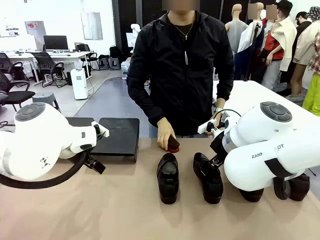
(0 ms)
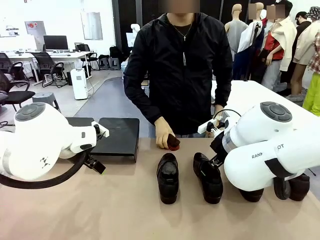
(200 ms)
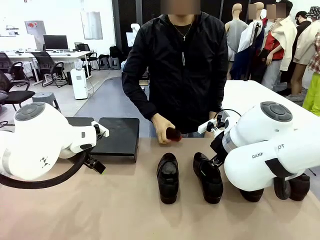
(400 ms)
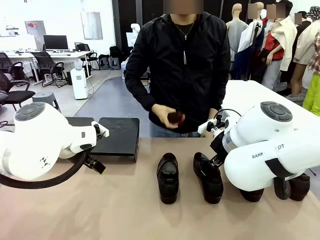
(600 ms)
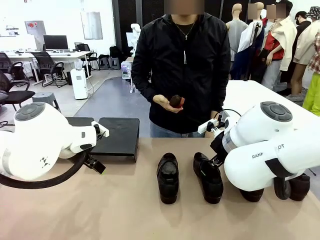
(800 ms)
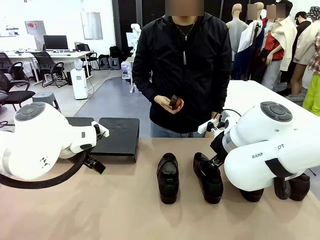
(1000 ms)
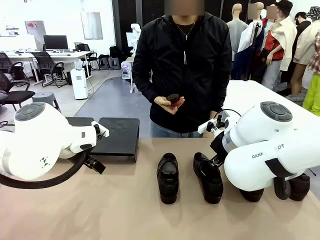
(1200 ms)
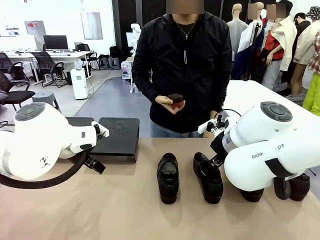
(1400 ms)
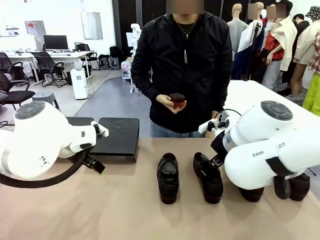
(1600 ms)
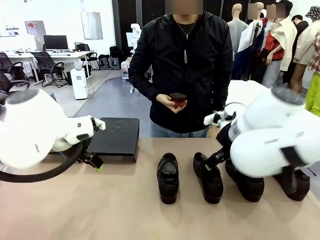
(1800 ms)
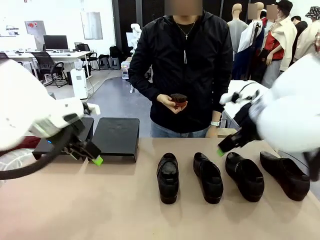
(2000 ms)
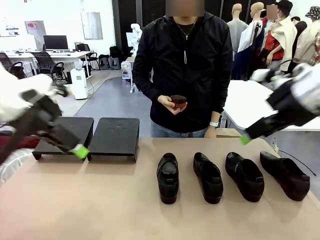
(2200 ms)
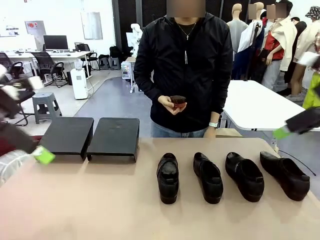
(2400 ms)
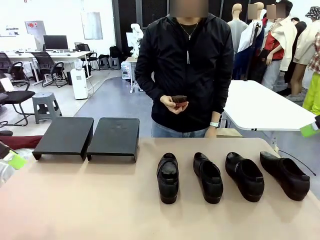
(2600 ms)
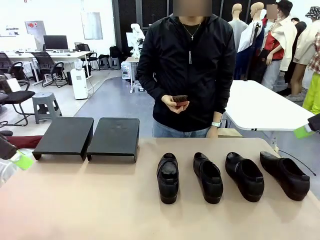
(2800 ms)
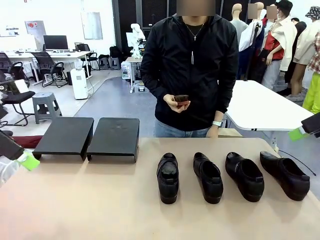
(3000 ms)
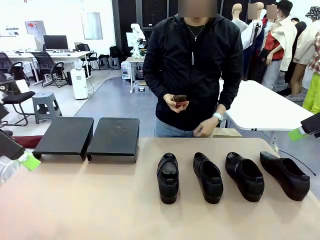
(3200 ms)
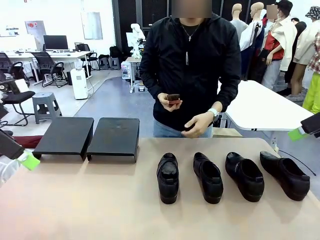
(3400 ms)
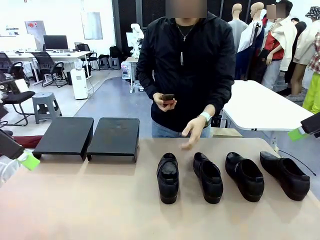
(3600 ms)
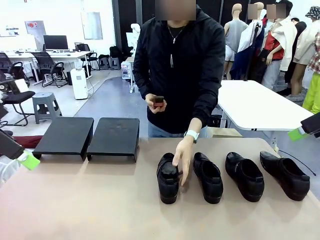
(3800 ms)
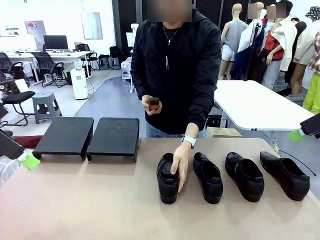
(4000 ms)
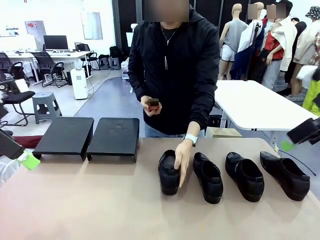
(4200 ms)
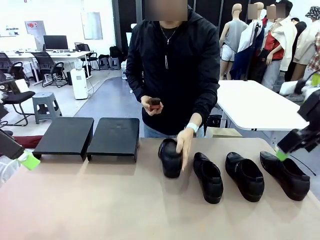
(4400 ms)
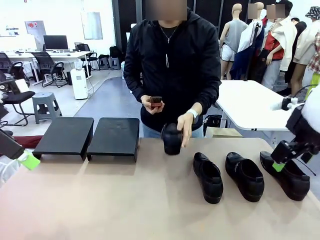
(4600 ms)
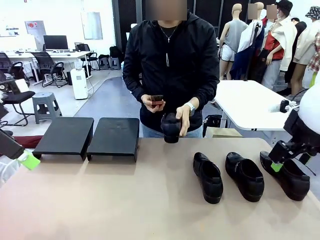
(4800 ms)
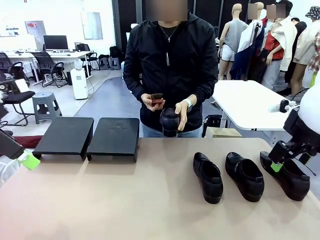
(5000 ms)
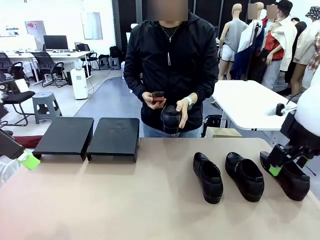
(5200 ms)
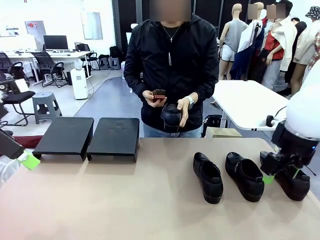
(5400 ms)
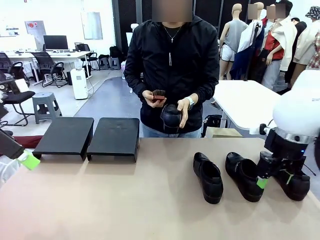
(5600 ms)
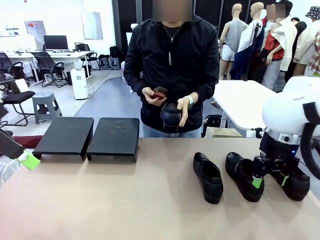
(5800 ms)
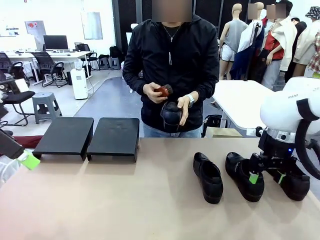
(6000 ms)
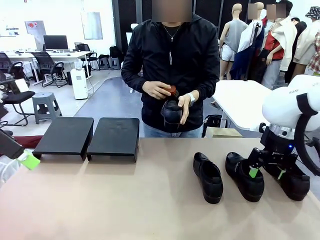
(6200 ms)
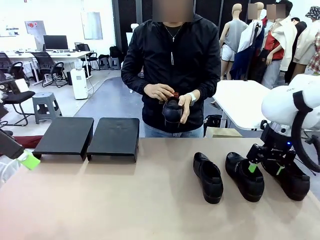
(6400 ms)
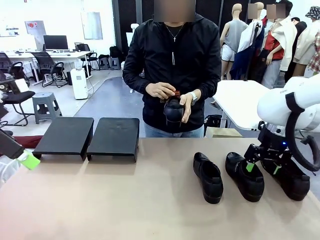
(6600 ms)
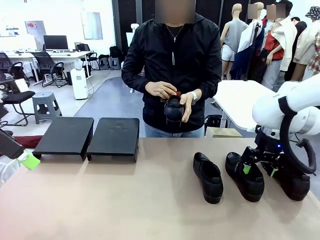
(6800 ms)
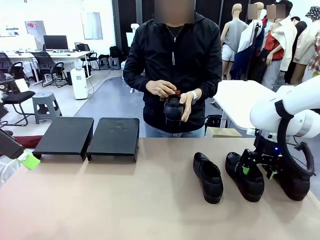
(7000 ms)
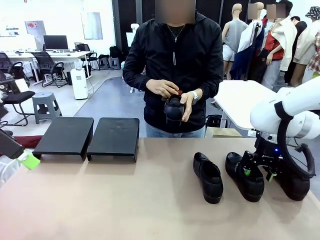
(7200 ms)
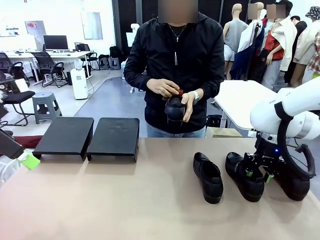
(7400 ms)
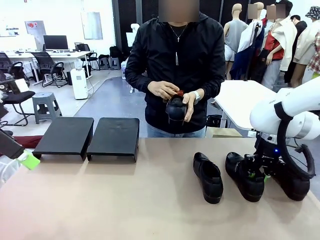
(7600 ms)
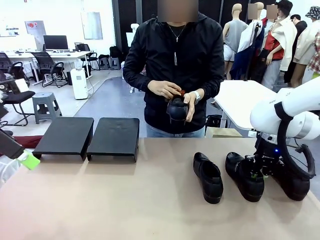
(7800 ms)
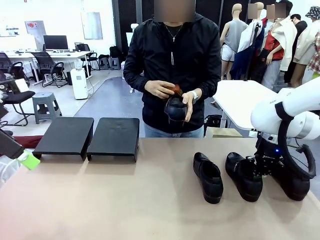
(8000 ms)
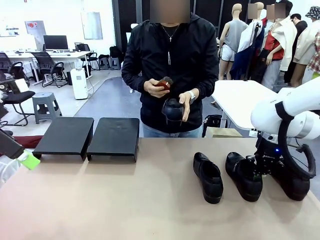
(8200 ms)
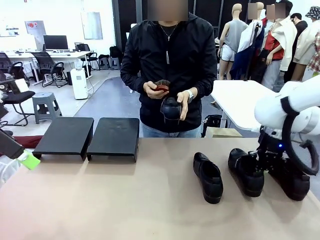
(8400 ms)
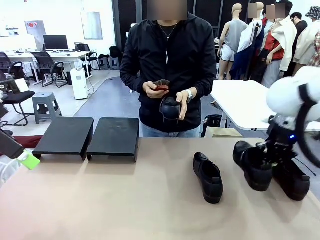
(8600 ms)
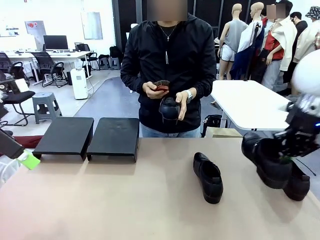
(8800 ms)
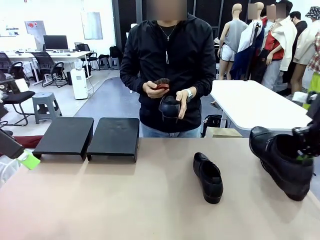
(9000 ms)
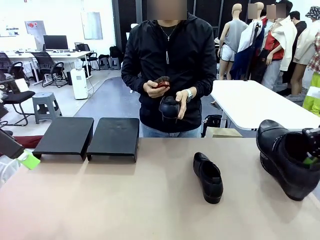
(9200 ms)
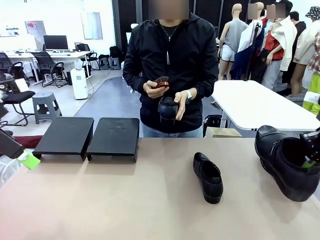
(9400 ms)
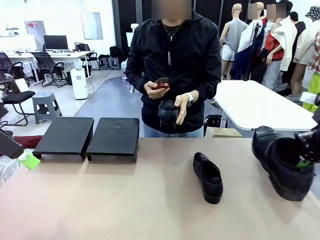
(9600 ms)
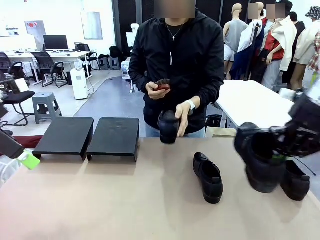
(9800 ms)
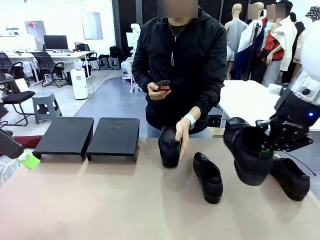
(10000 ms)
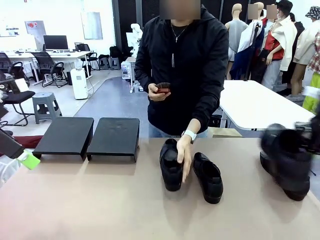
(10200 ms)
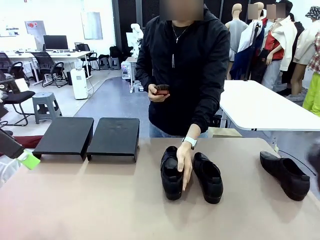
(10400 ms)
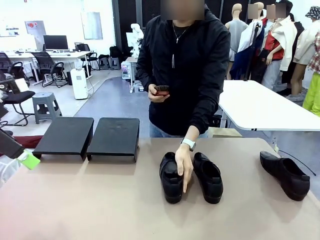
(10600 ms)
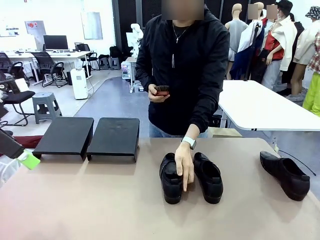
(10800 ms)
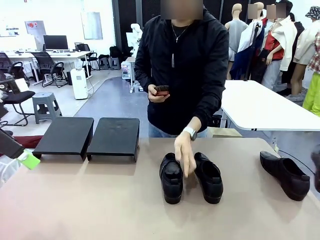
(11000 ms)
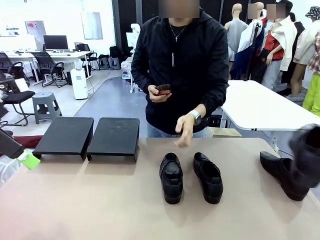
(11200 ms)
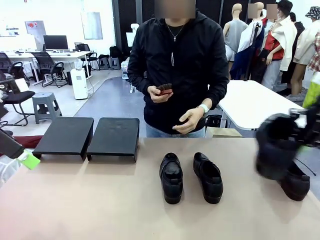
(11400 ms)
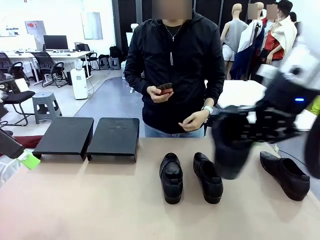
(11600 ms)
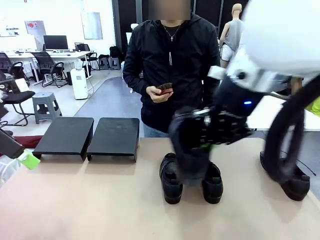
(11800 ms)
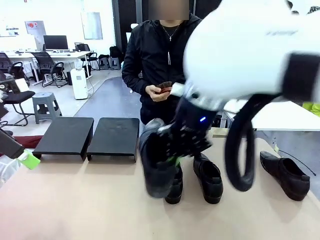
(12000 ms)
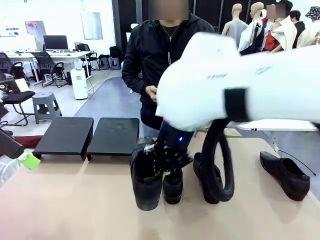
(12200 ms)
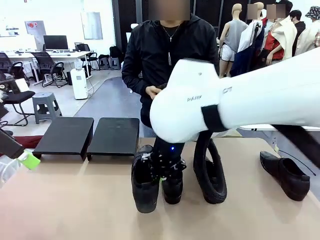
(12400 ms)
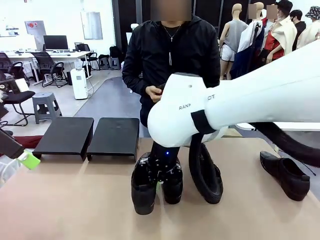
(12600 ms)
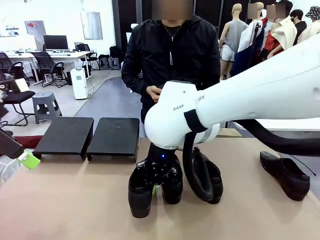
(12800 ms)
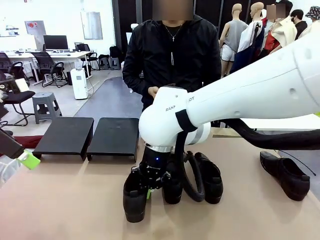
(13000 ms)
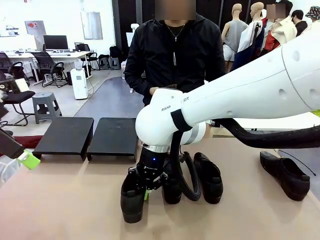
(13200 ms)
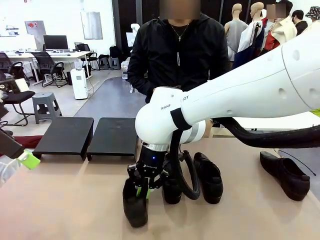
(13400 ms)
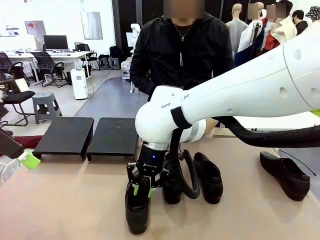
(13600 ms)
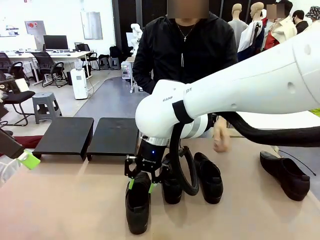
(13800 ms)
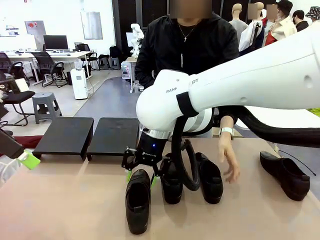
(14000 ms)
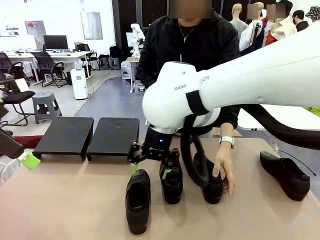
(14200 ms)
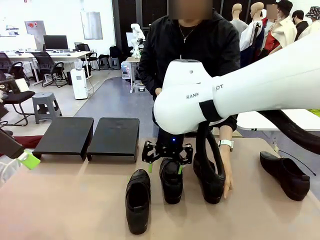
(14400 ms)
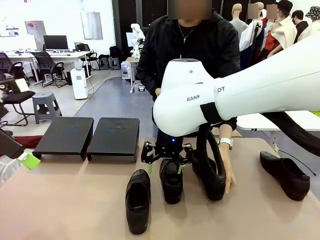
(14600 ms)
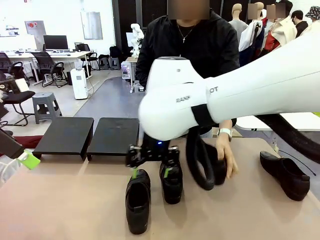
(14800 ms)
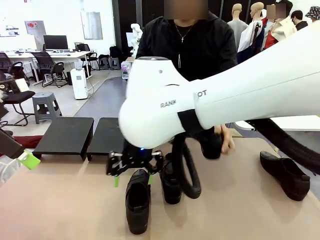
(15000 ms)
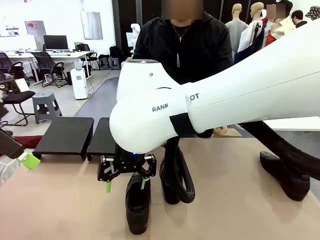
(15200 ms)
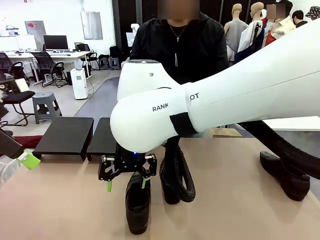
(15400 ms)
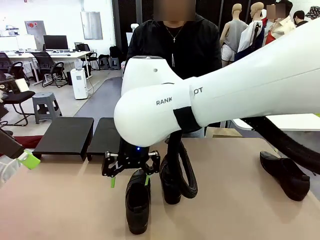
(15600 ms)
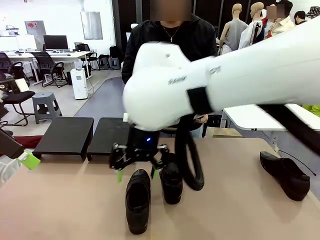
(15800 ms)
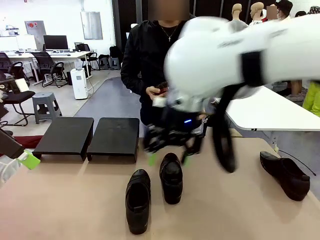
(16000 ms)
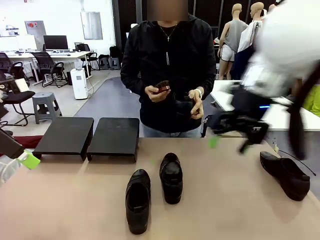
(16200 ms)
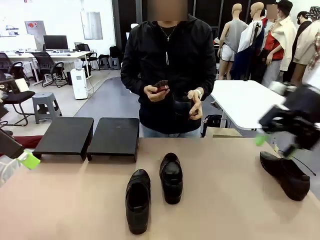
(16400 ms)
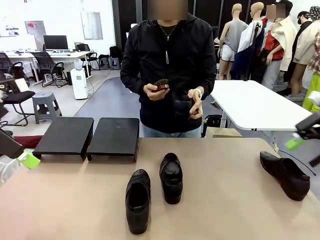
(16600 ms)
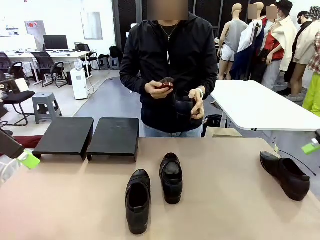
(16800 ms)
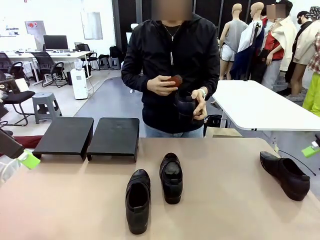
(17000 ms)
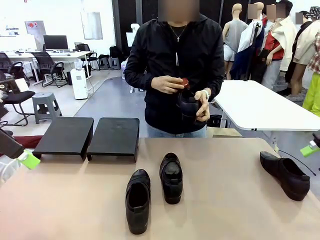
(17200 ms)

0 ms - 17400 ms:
Task: Organize the shoes by placing them on the stand.
Robot: Pick up one Shoe and place it in the middle of the table.
Person: Pick one Shoe on Robot's table. Clean the Shoe with the Shoe Brush. Place the Shoe on left side of the Robot's table. Pick one Shoe on Robot's table.
